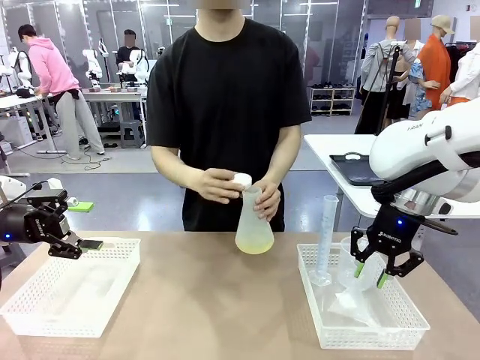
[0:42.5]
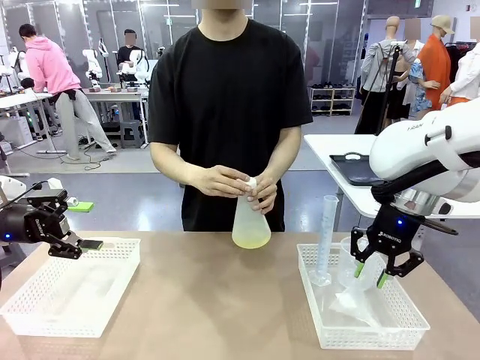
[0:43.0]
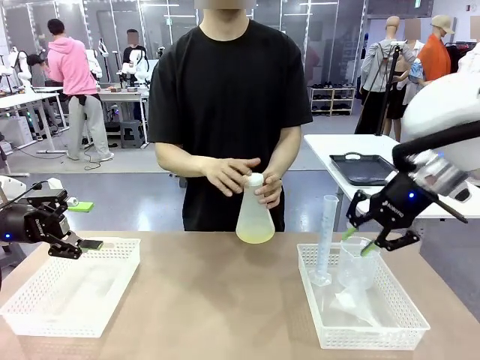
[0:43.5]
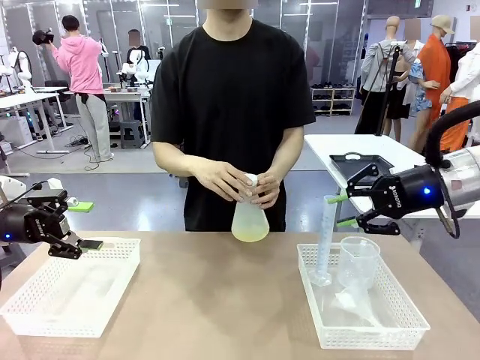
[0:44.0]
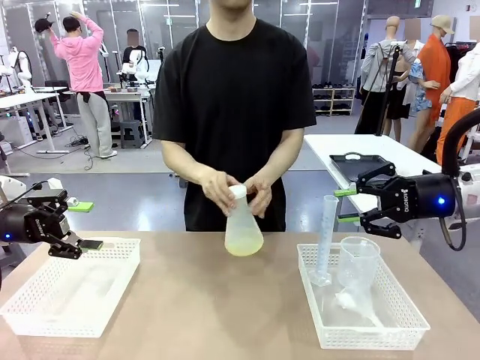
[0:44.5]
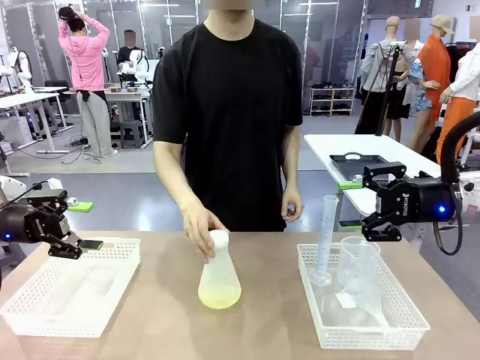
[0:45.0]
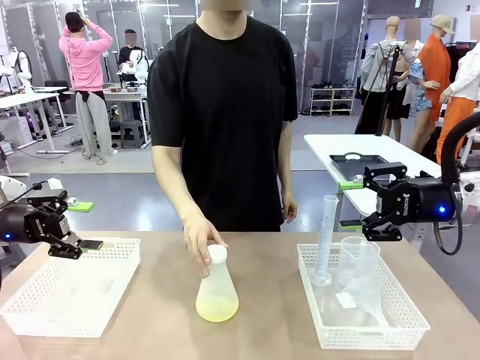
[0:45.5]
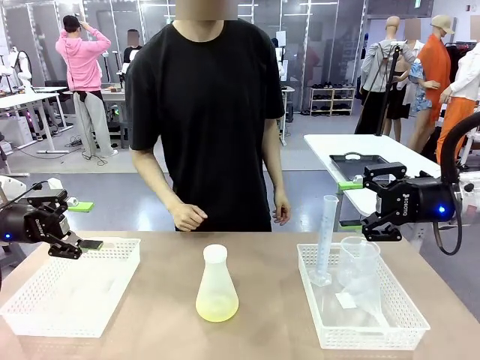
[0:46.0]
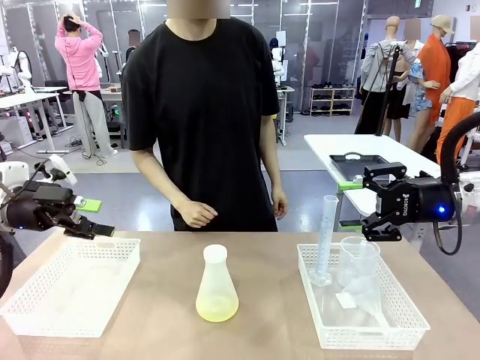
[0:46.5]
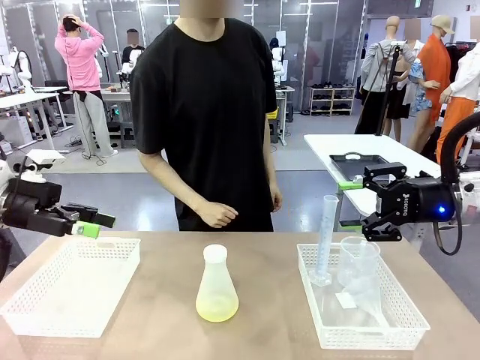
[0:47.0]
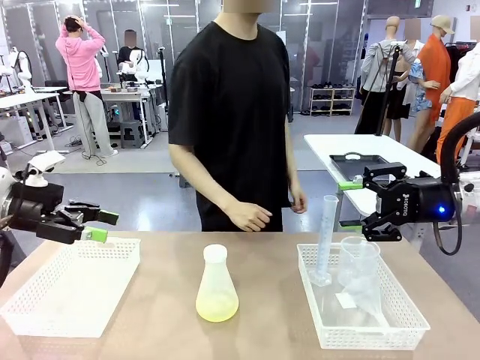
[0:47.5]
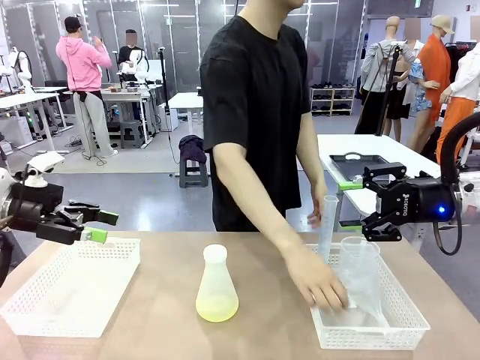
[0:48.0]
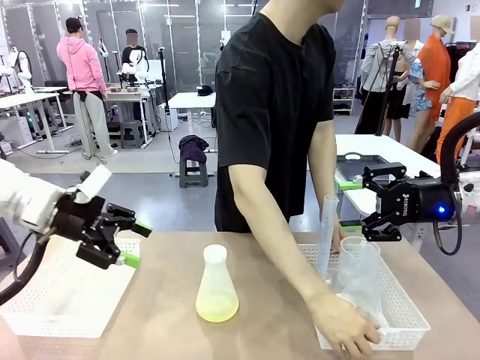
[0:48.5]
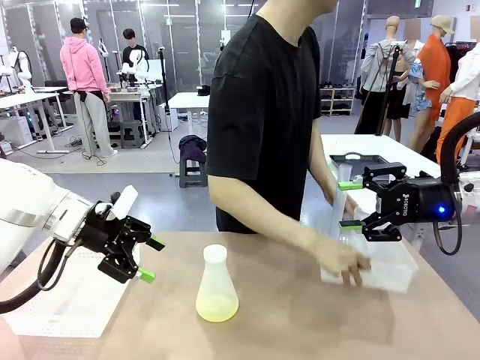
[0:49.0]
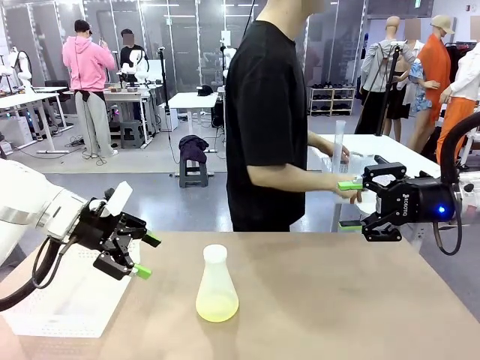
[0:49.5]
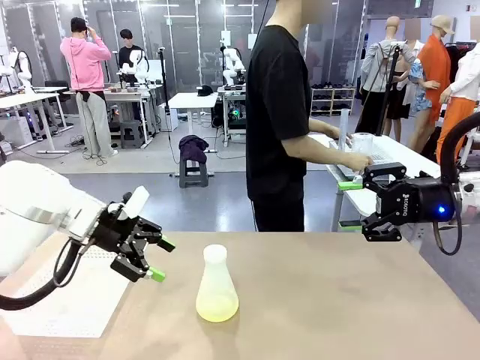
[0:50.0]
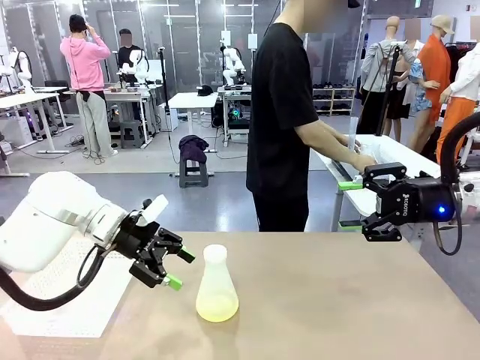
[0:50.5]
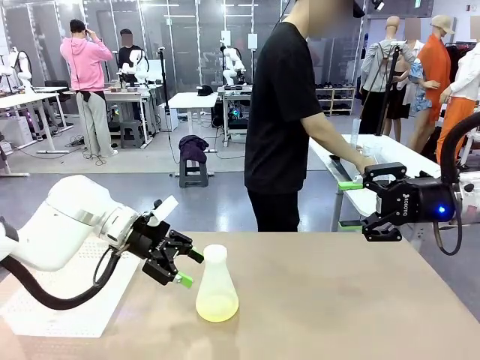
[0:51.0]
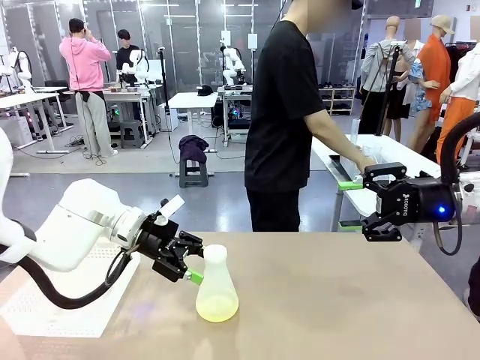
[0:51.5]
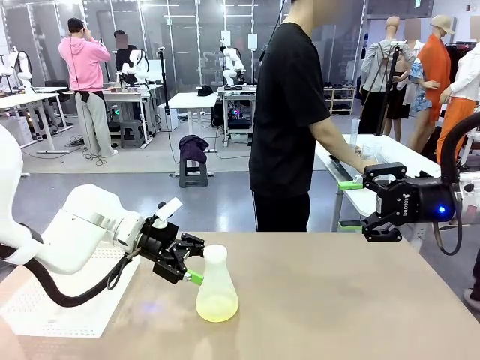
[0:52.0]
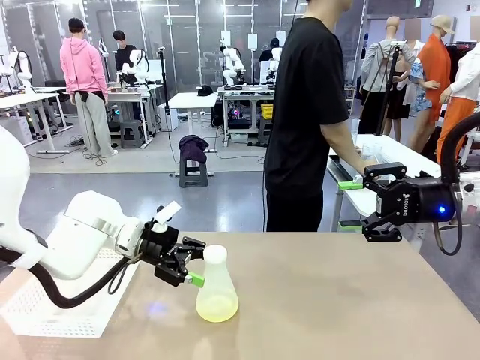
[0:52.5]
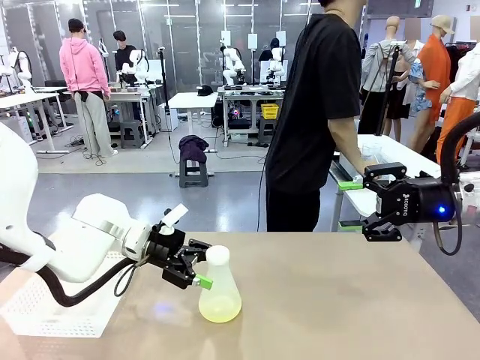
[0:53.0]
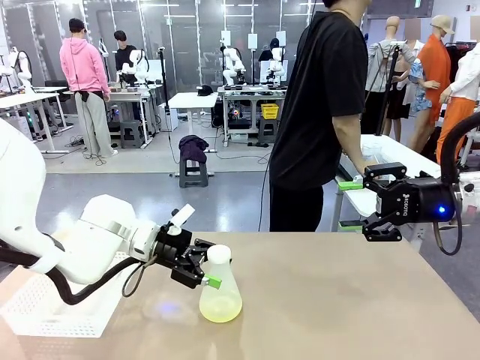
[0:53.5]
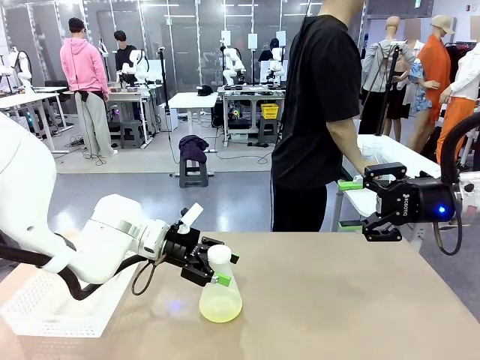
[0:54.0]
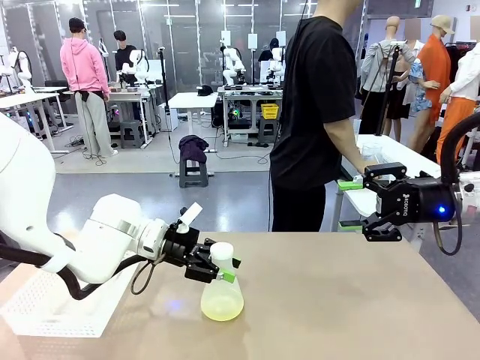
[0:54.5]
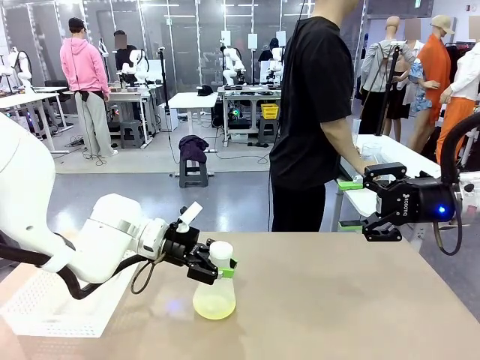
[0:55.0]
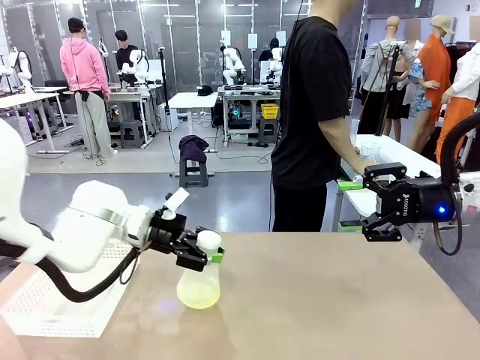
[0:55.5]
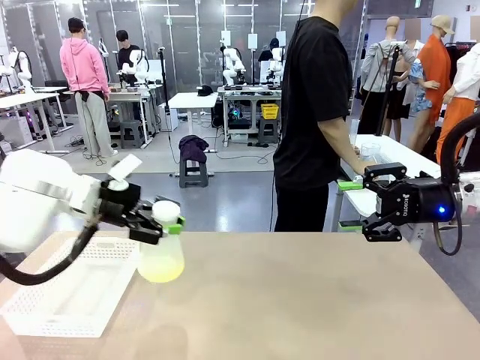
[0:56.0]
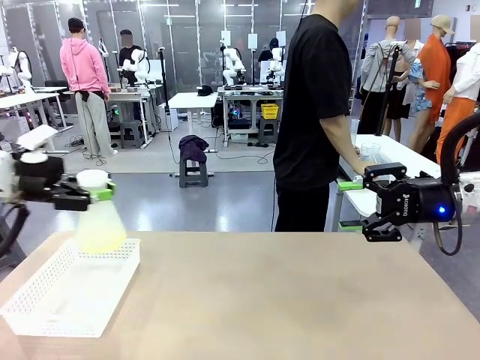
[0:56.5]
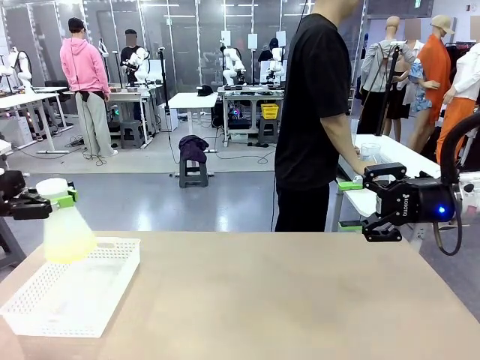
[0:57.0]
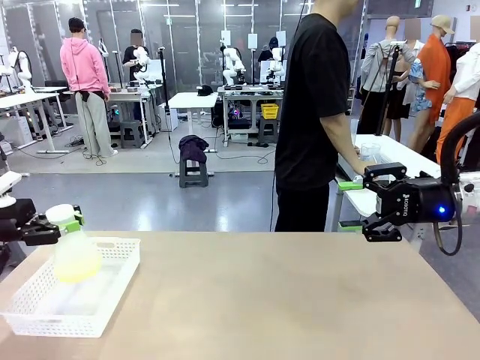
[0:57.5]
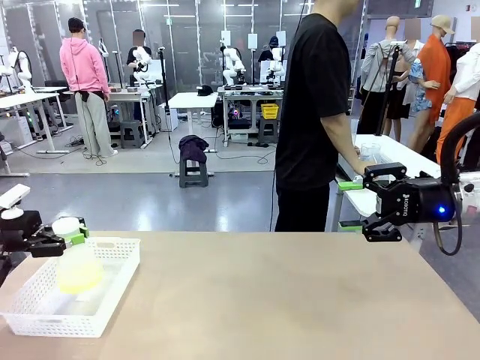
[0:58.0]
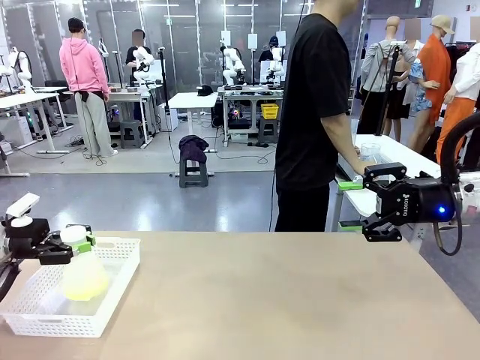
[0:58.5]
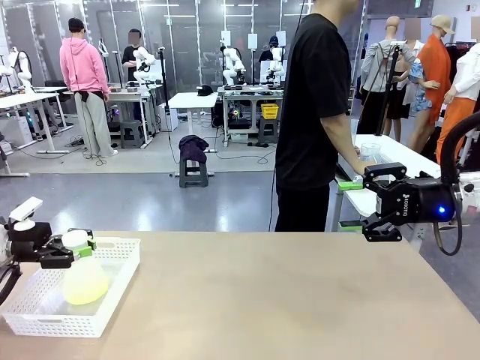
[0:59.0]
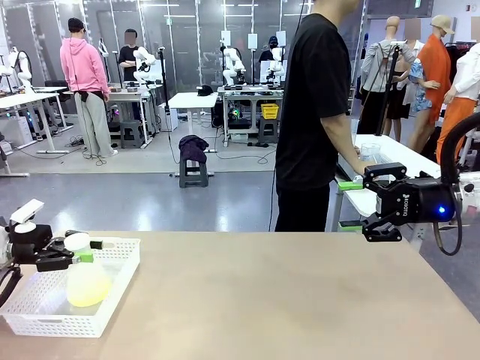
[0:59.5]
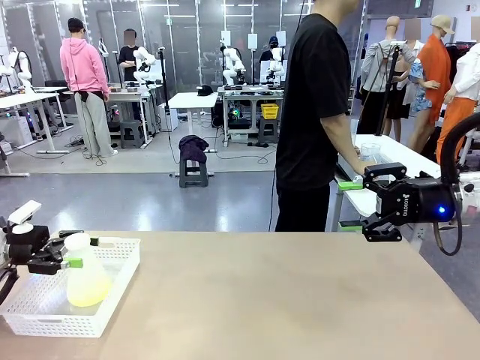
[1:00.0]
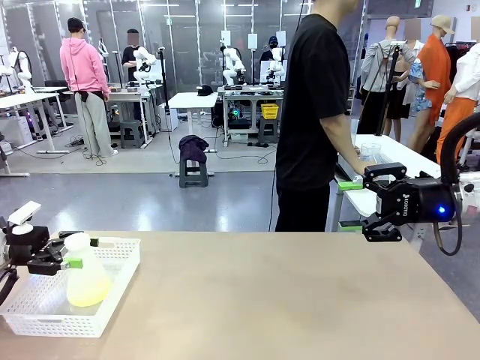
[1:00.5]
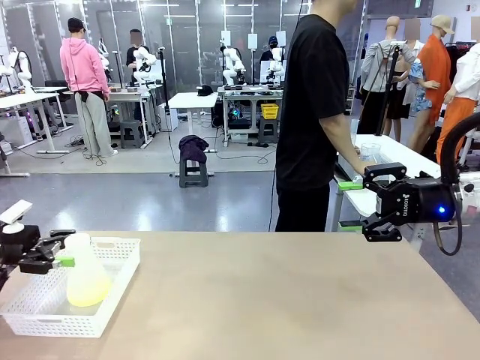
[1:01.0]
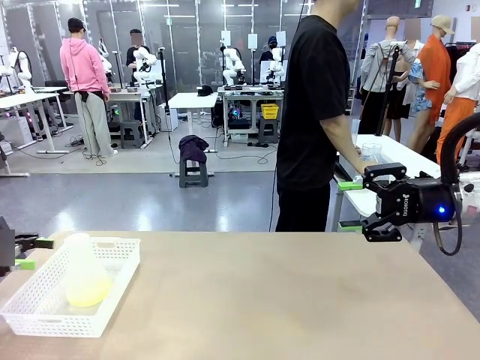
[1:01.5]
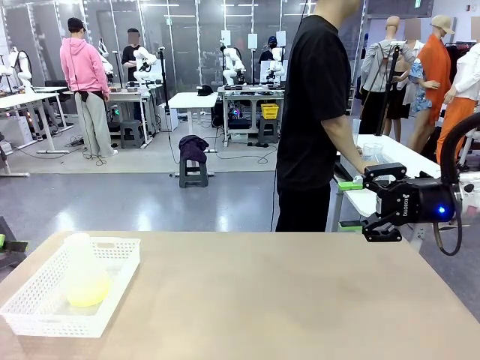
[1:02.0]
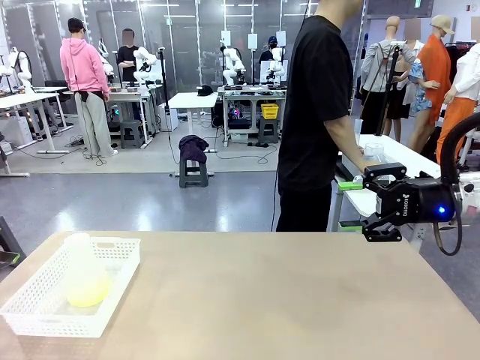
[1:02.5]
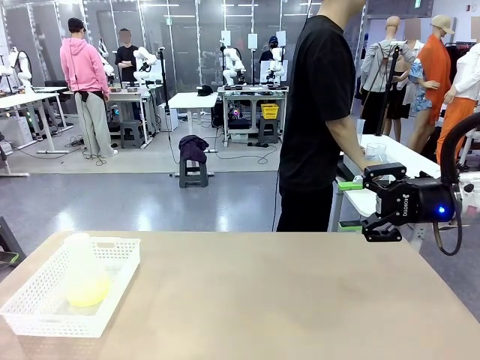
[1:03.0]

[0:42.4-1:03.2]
Task: Prepare the solutions needed for the experiment.
Robot: When the human places the Big flask in the center of the table, pick up the Big flask and place it in the left Organizing basket.
Person: Pick up the organizing basket on the left side of the robot table and place it on the left side of the human table.

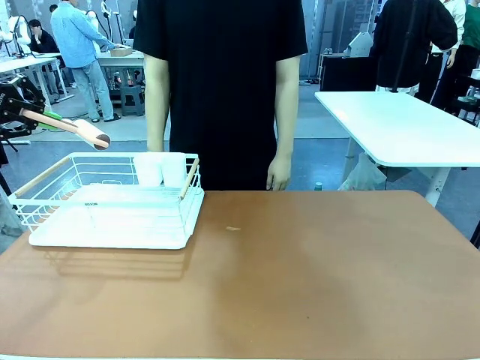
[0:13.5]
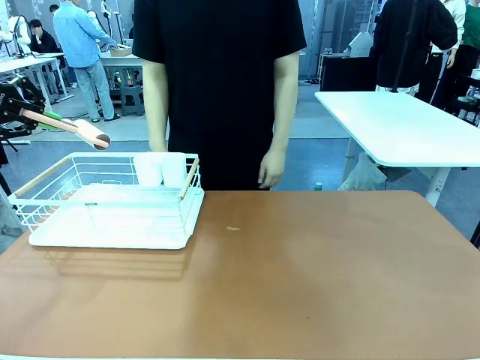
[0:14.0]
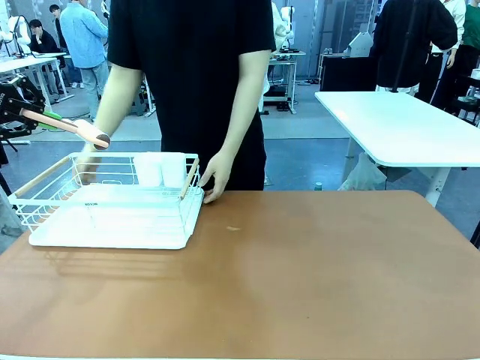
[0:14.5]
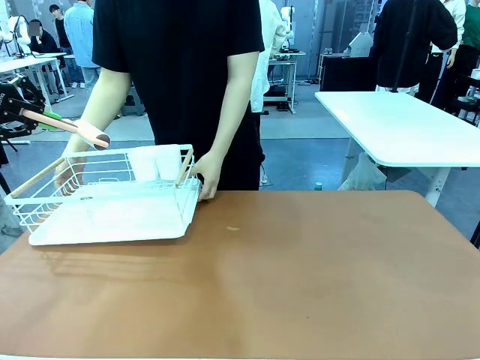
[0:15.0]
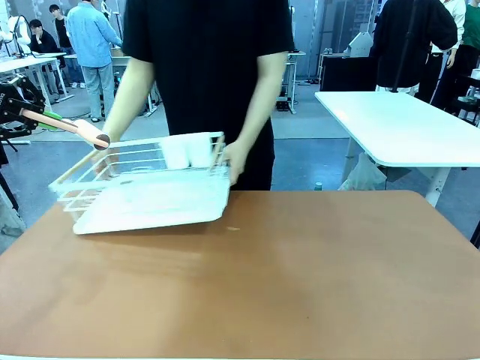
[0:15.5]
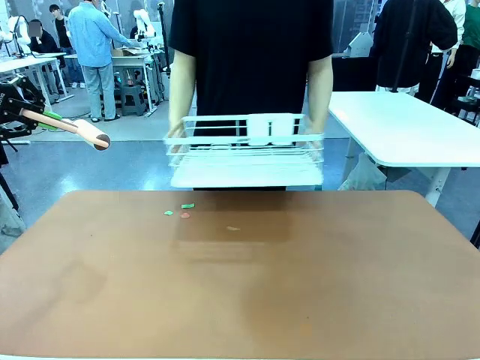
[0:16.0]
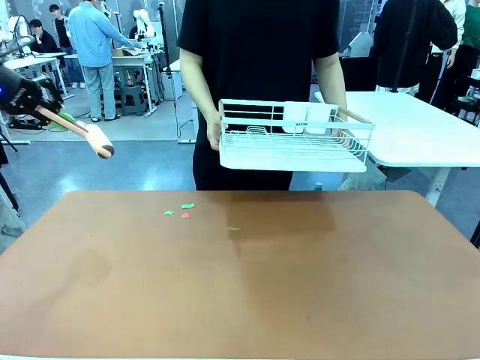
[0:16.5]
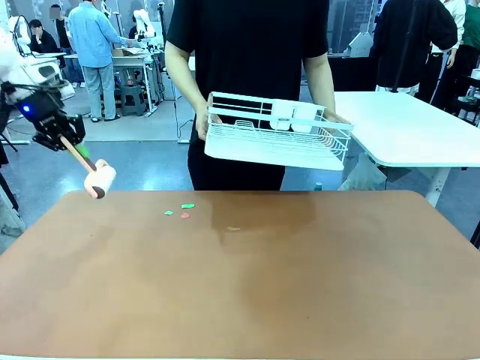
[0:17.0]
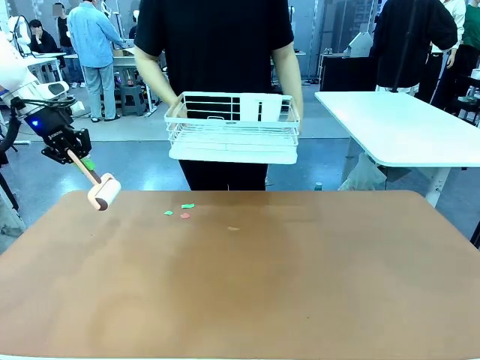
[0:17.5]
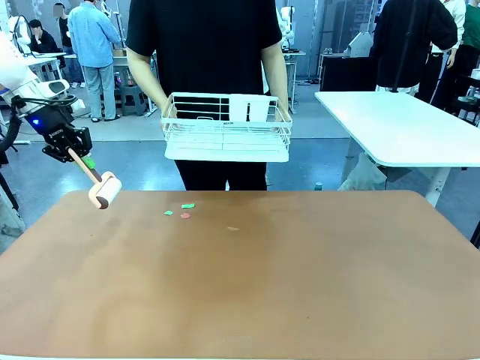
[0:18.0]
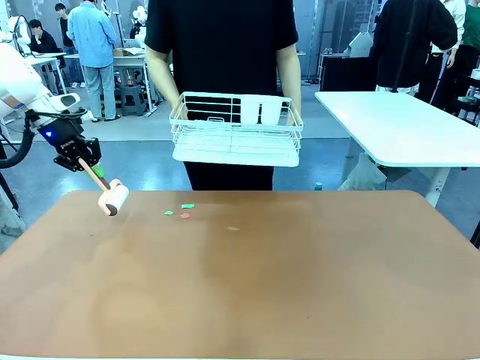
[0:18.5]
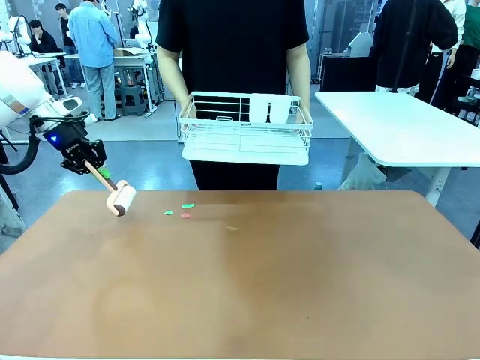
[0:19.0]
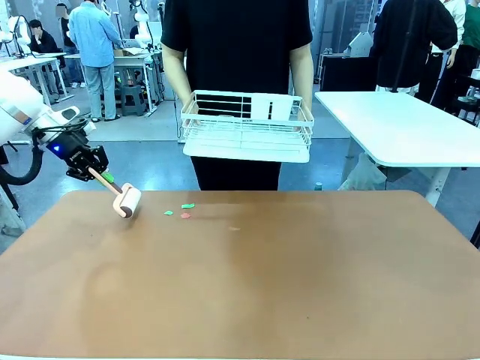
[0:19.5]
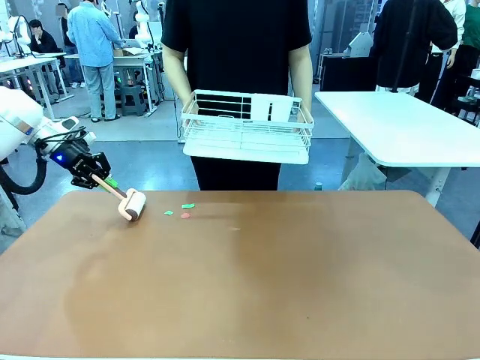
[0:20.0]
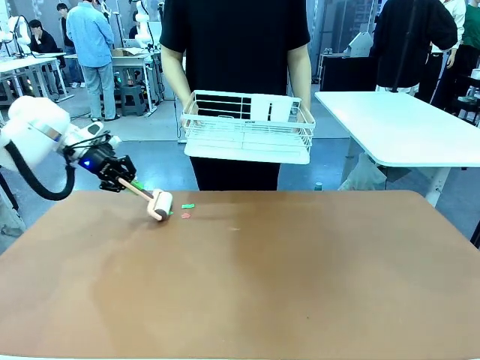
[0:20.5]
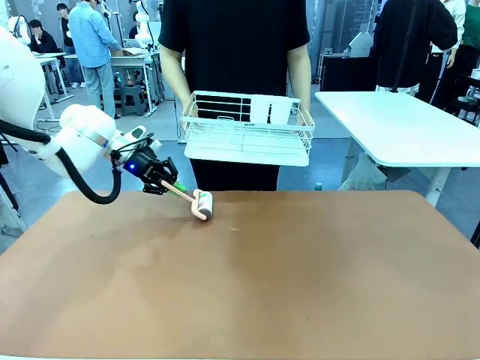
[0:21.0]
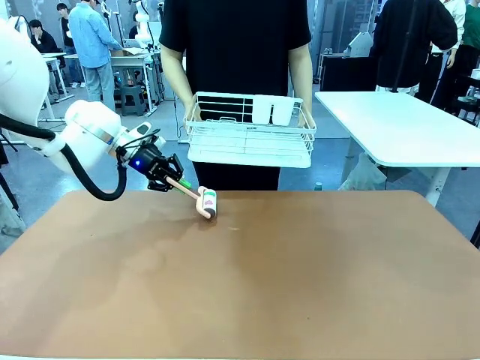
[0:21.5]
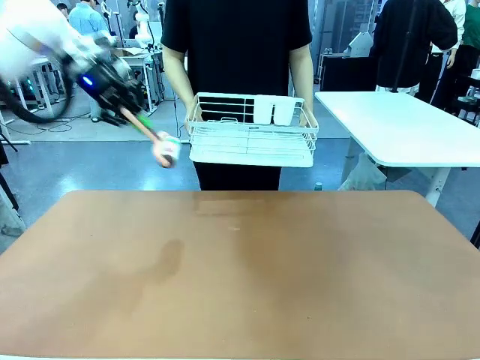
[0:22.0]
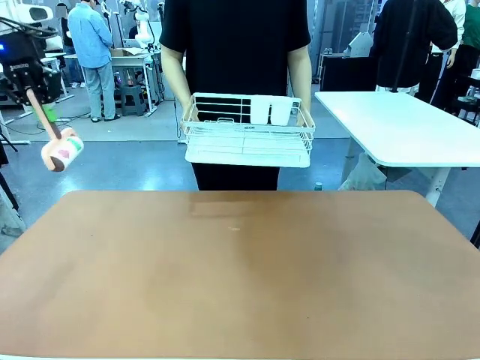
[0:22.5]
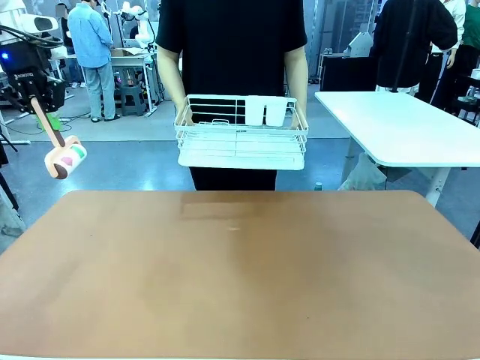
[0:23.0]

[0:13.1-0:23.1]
Task: Clean the table.
Robot: Clean the table with the Lint Roller when the human lifts the Dish drying rack.
